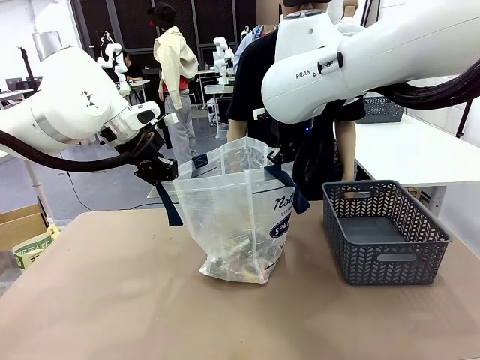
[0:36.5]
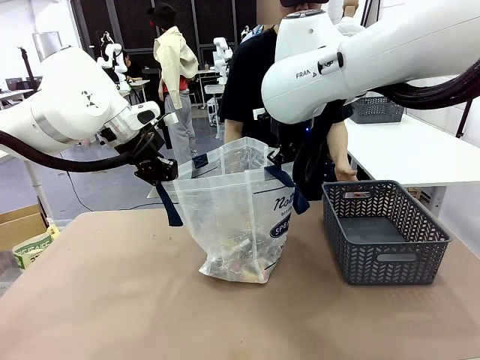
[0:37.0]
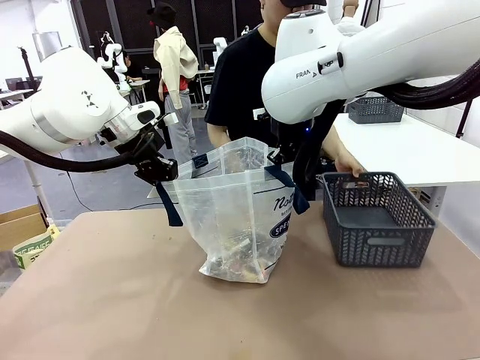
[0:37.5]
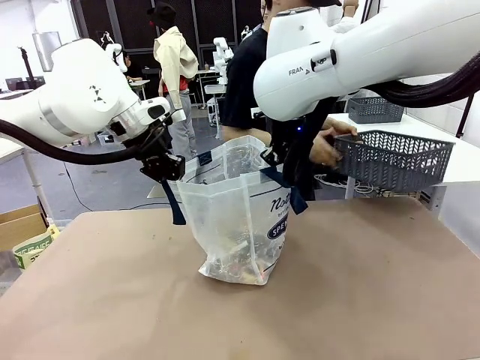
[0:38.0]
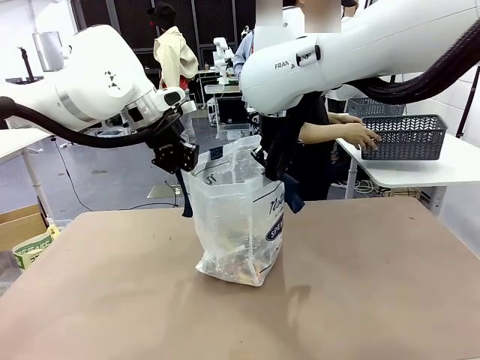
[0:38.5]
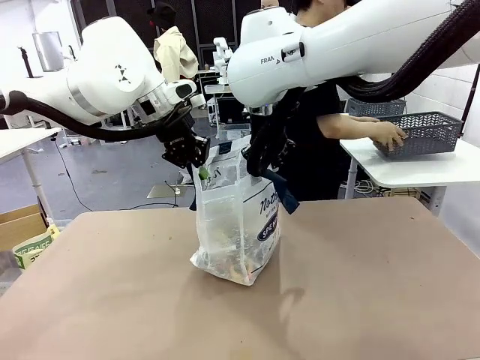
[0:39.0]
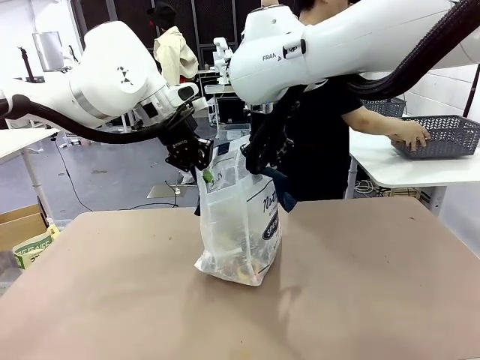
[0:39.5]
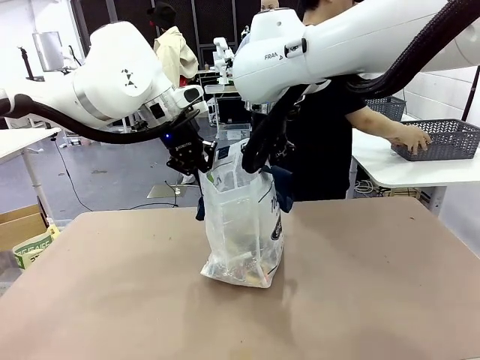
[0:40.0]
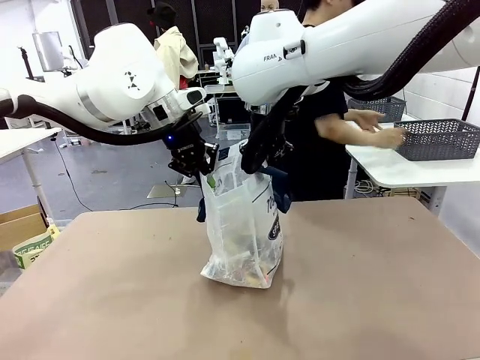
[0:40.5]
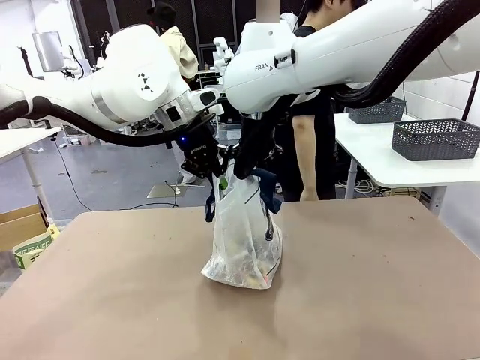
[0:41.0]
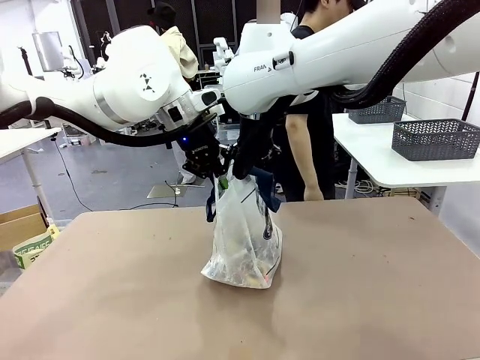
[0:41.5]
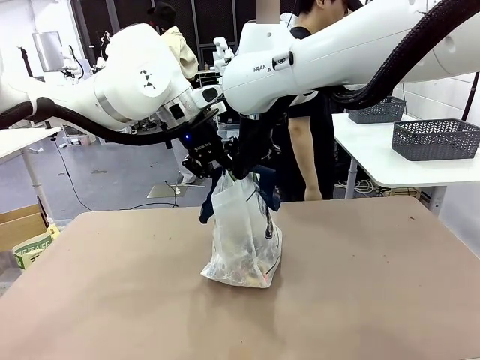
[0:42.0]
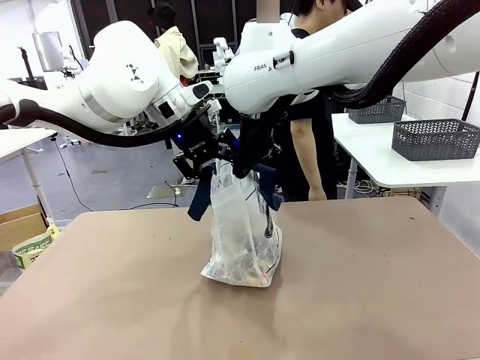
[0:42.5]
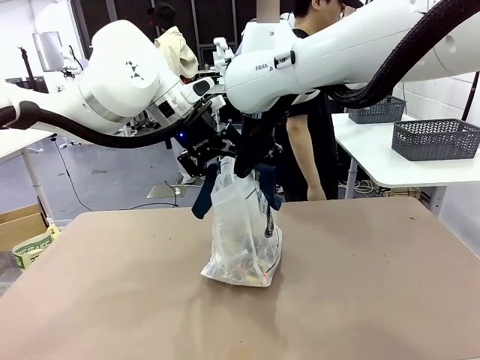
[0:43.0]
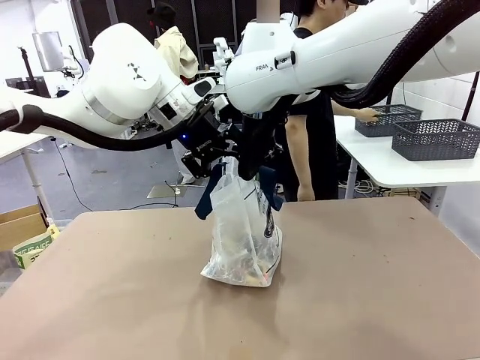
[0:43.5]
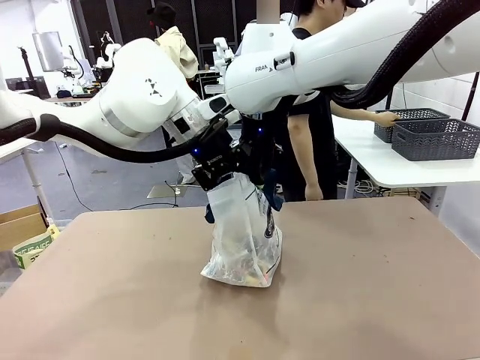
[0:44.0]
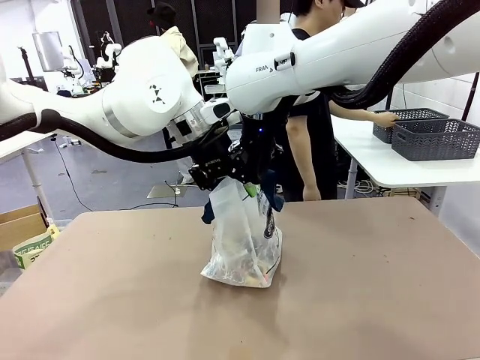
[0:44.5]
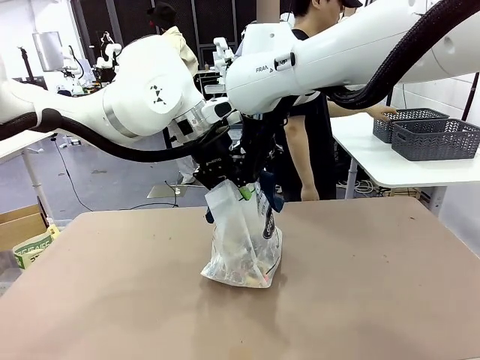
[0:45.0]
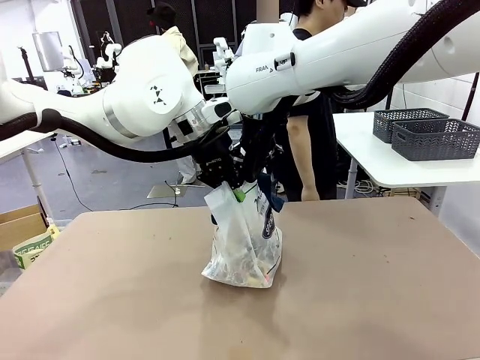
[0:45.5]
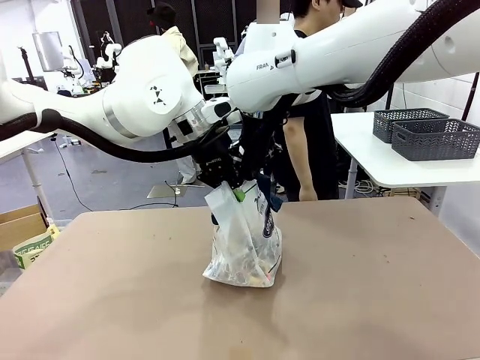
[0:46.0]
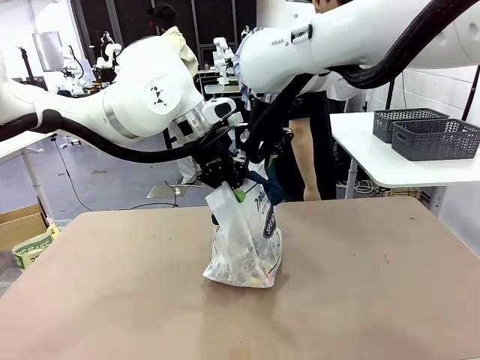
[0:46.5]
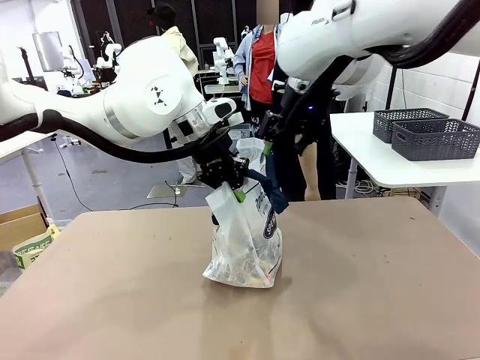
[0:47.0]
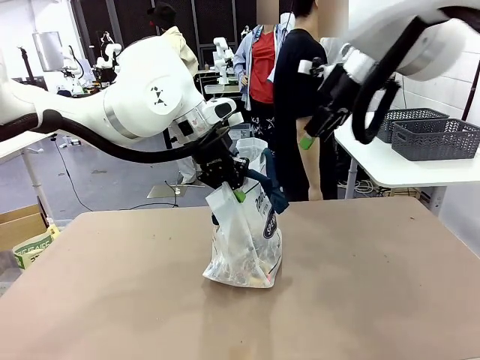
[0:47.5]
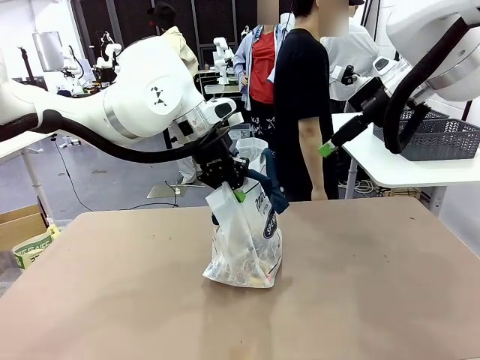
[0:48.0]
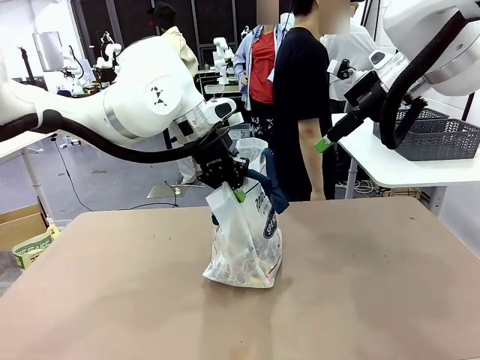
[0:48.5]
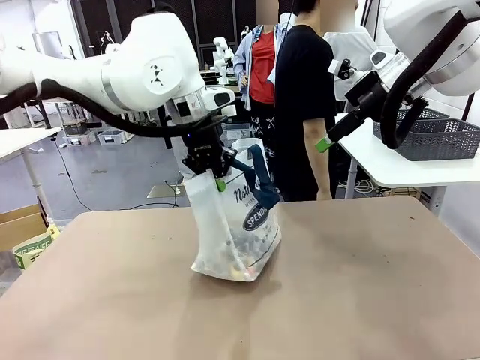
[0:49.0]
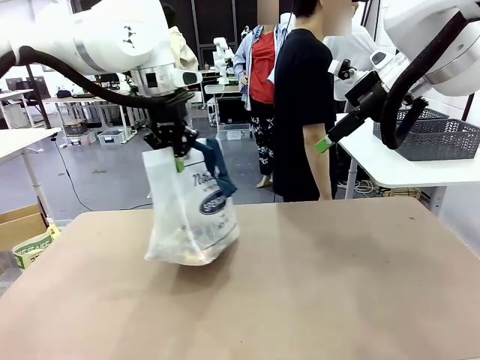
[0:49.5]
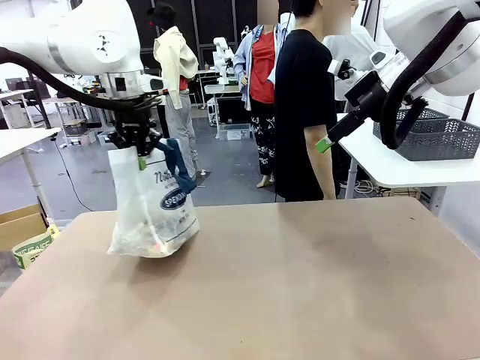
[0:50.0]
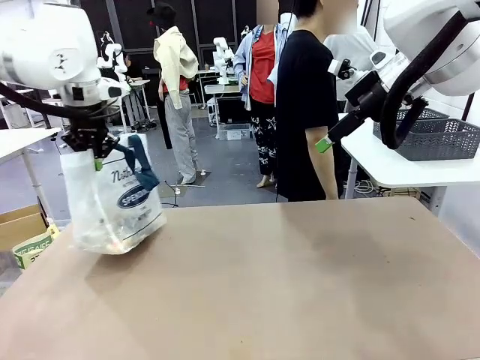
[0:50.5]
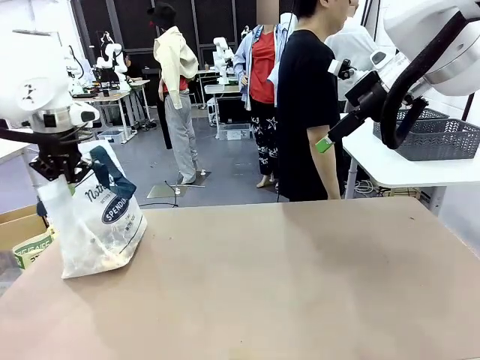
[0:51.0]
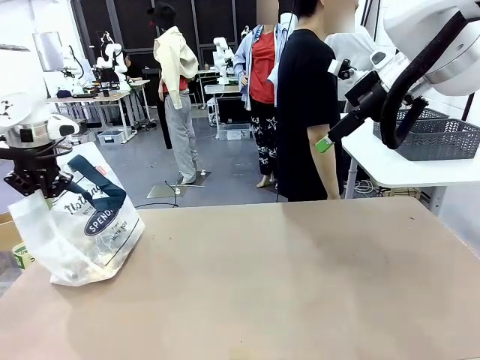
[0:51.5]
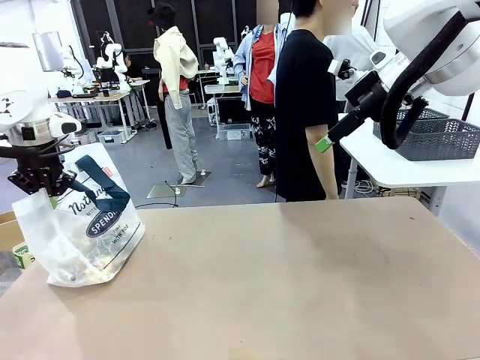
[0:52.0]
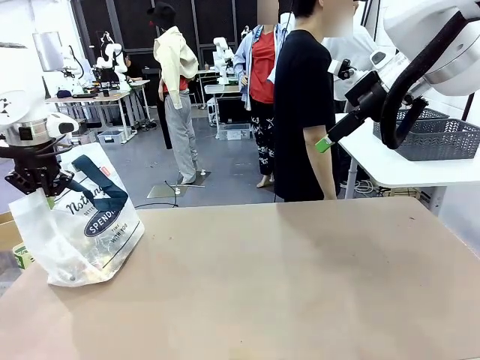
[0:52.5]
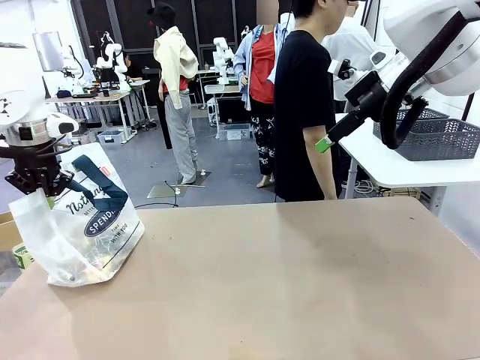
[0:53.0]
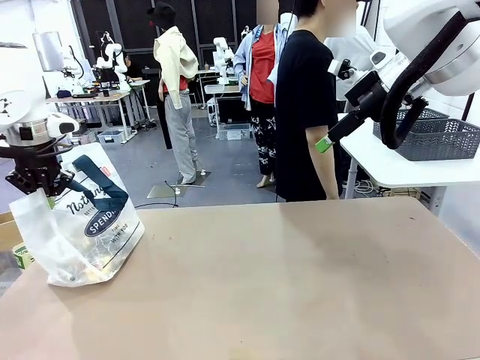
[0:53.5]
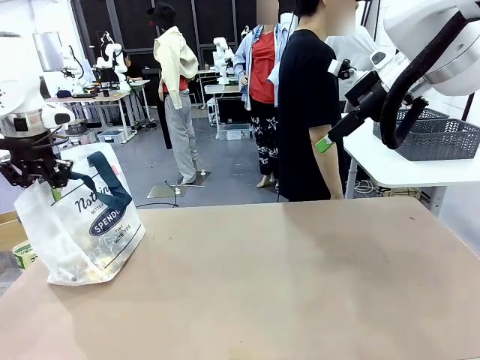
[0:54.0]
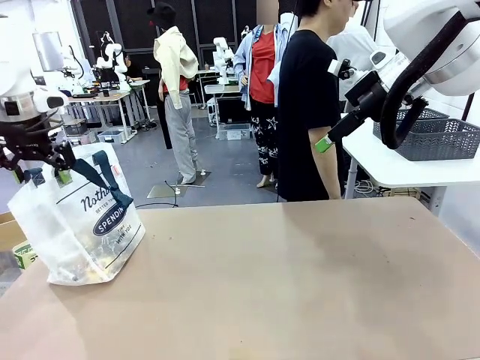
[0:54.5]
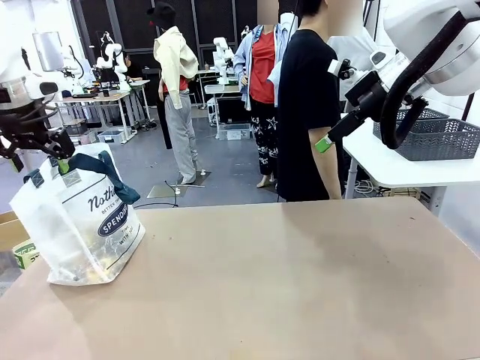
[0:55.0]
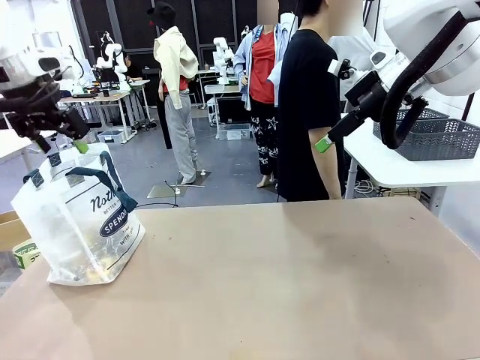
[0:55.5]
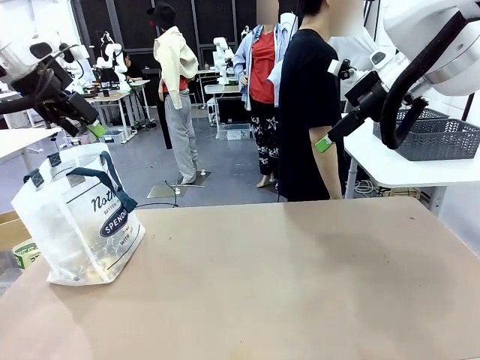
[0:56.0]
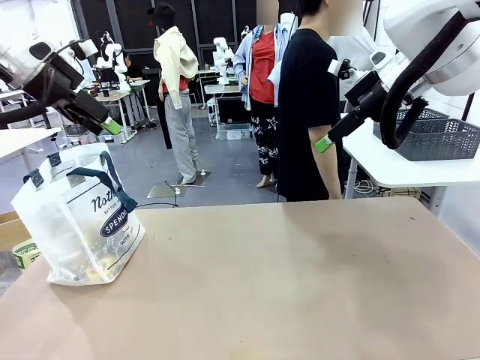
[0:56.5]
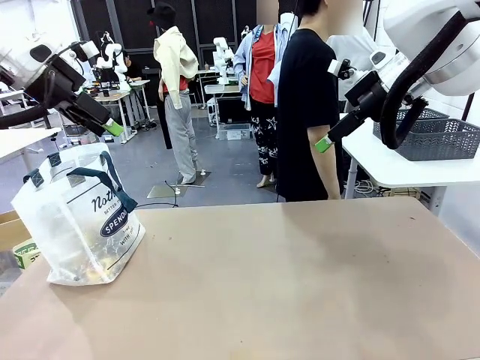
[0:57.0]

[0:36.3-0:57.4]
Task: Transfer purchased items from the store into the shopping bag.
Robot: Move the Reusable shopping bag to the right side of the table.
Person: Pick up the basket with the items out and place it on the right side of the human table. Move the basket on the left to the middle of the person's table.
